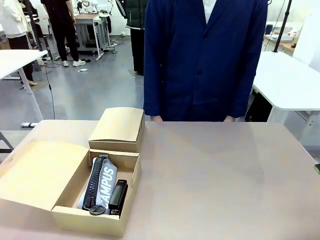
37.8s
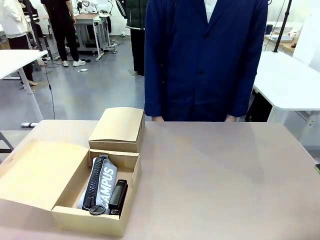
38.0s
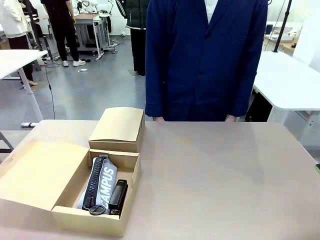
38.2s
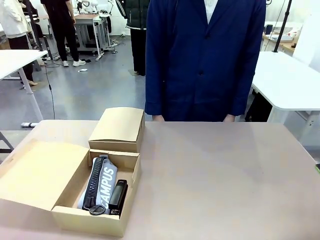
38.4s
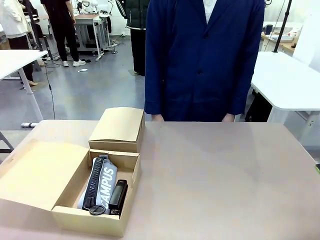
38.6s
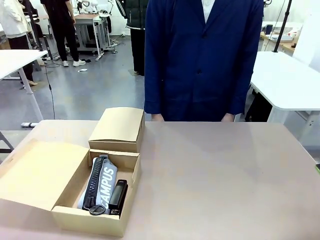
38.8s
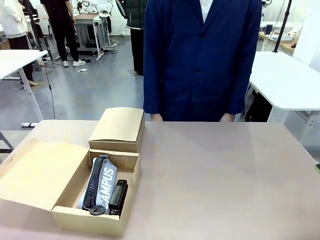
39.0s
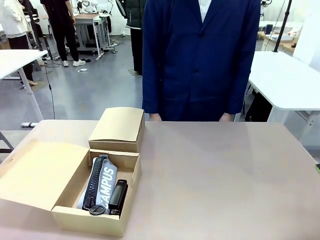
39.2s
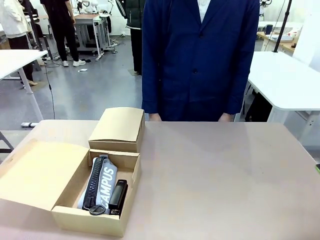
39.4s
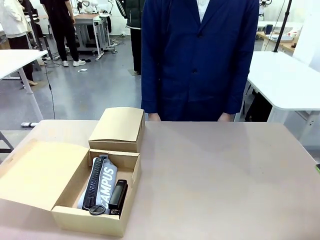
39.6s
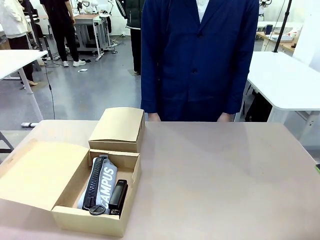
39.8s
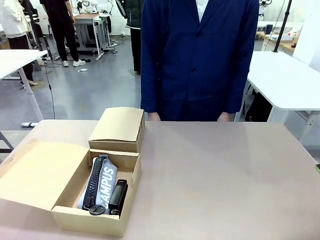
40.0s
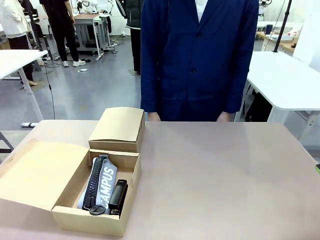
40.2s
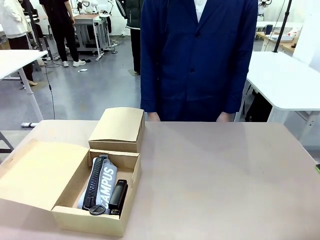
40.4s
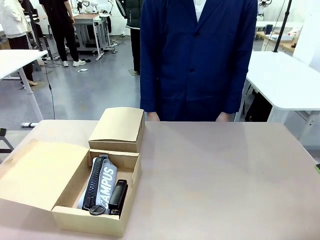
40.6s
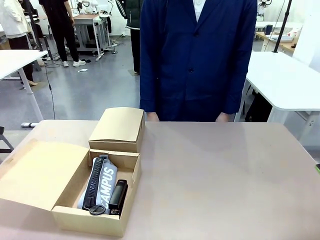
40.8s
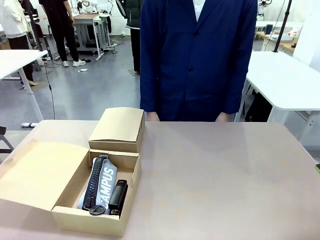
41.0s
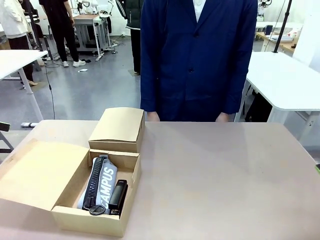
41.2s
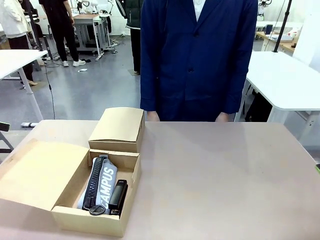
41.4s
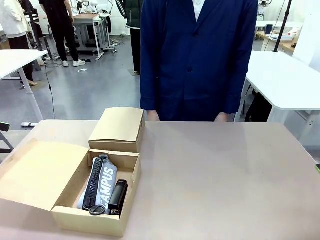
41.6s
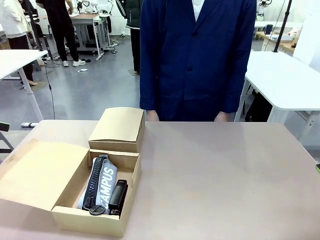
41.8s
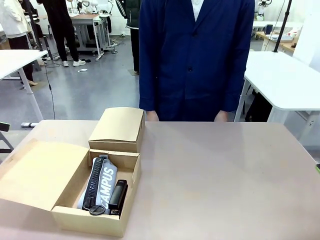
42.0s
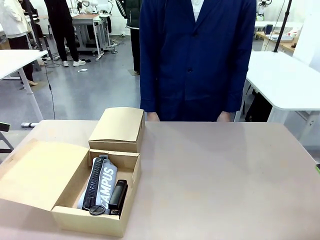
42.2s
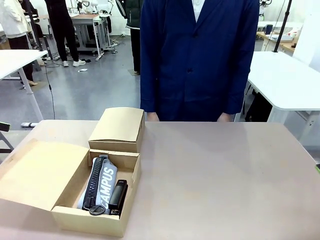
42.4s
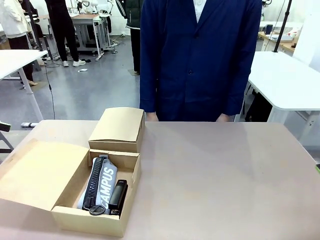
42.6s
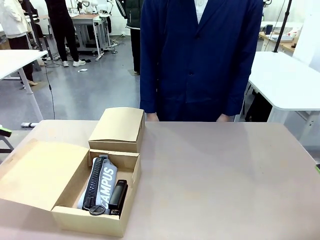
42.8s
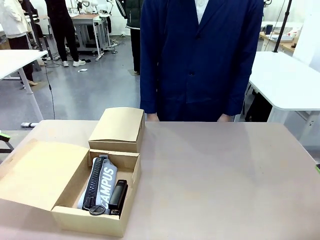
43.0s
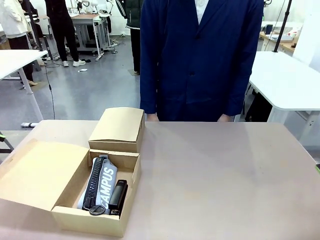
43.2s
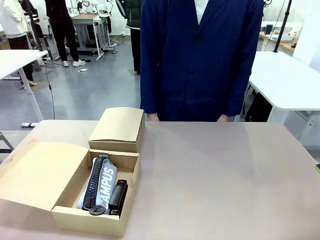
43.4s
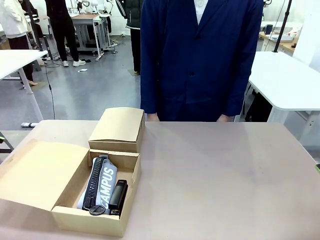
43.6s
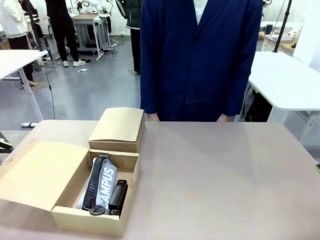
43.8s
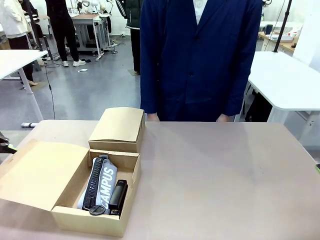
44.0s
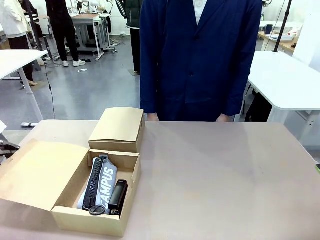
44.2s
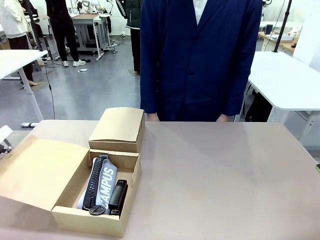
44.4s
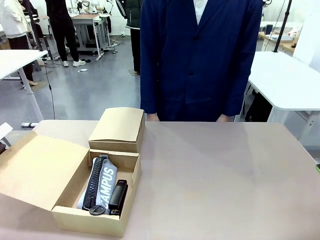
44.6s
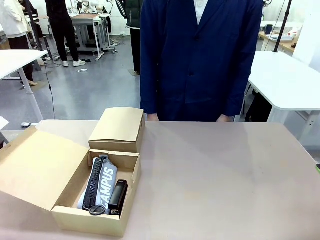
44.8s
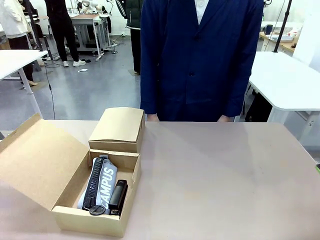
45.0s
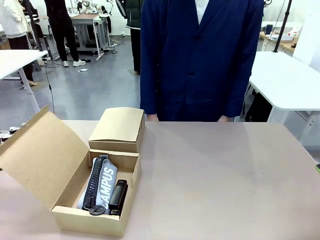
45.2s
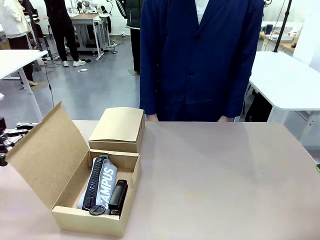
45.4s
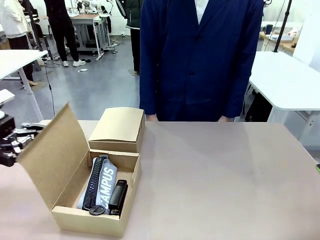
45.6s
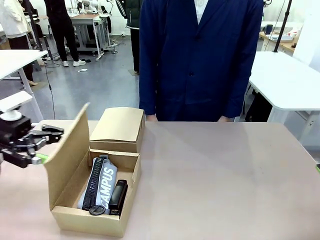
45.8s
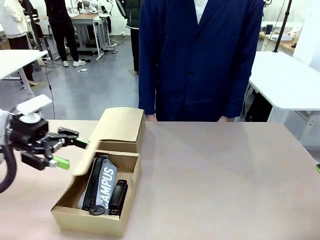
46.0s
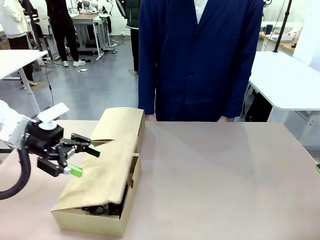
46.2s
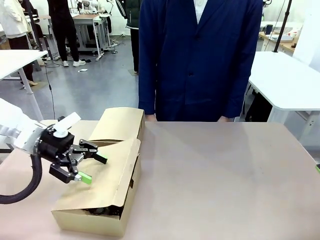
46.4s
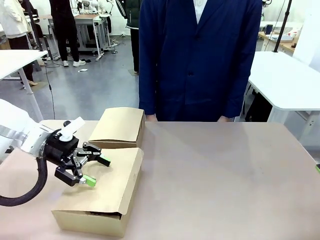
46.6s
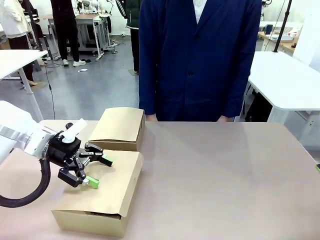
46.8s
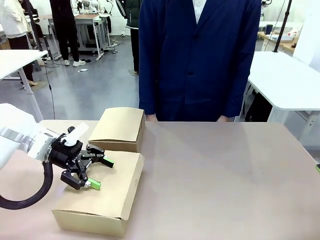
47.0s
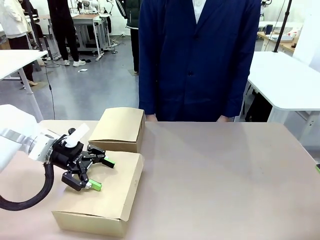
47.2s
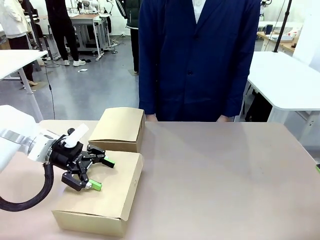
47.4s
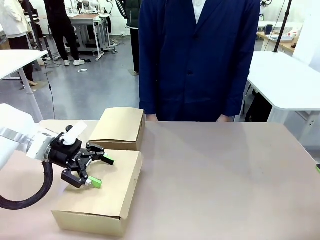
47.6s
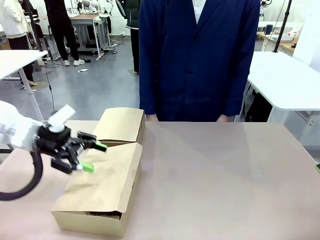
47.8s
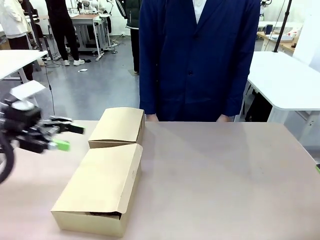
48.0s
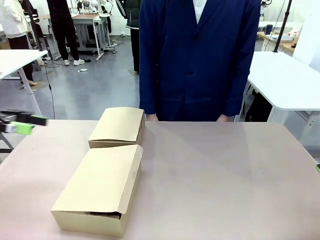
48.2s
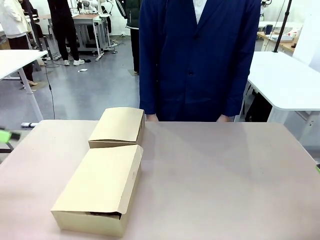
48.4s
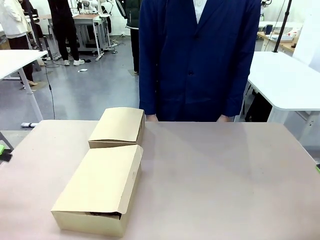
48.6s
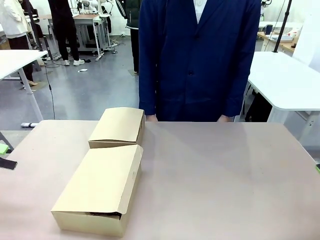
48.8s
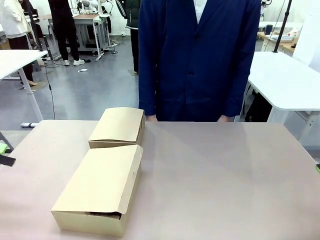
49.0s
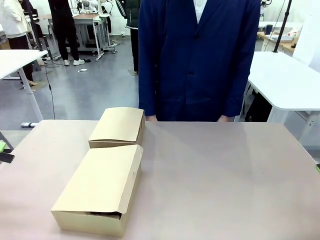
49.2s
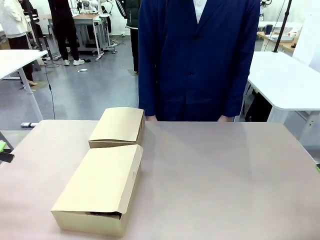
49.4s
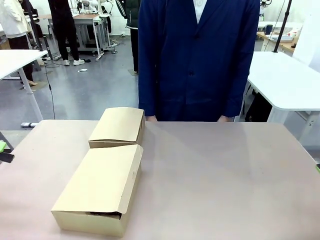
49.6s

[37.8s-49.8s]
Task: Place items inside the box.
Robot: Close the lid of the Mailer Box closest to the robot.
Person: Close the lid of the box facing the person.

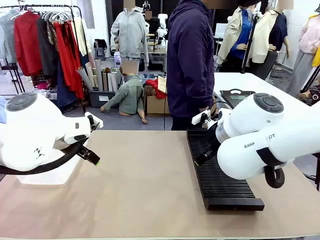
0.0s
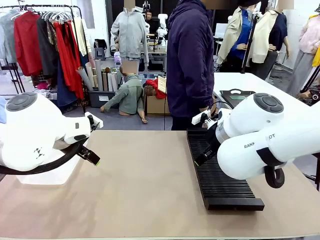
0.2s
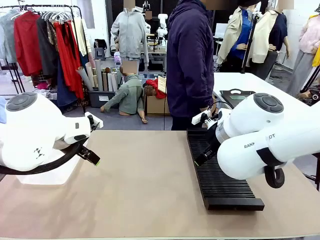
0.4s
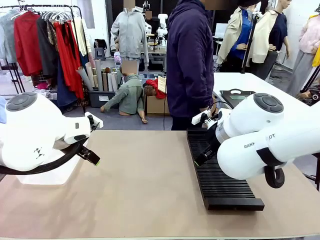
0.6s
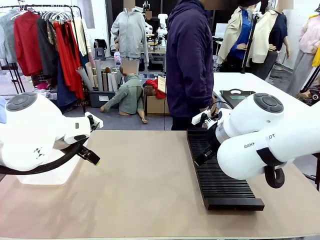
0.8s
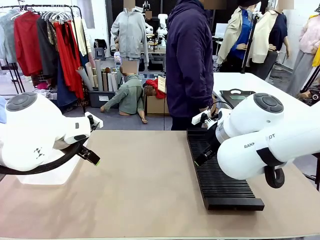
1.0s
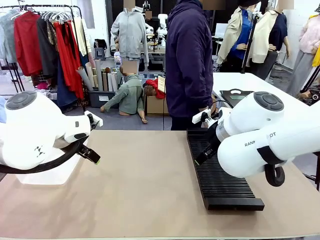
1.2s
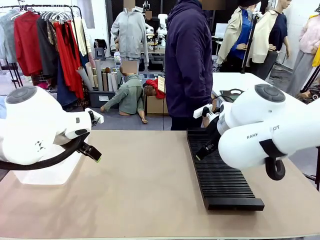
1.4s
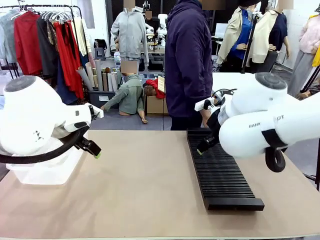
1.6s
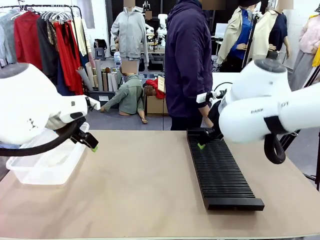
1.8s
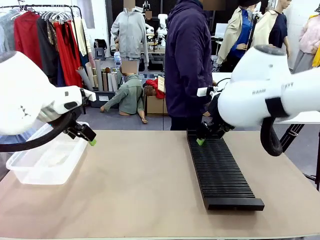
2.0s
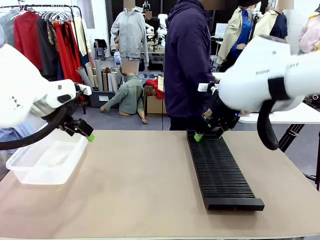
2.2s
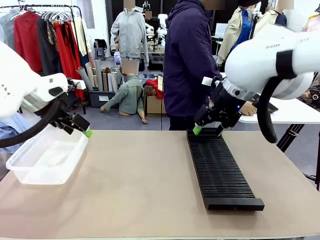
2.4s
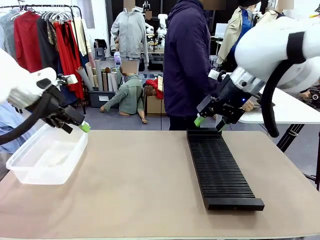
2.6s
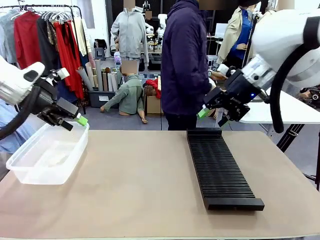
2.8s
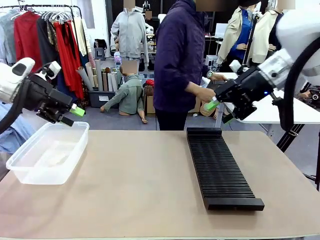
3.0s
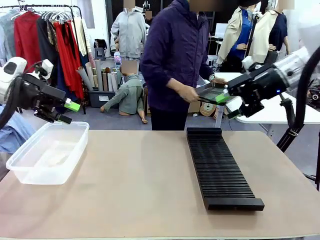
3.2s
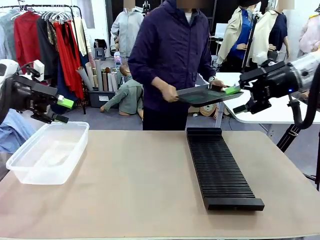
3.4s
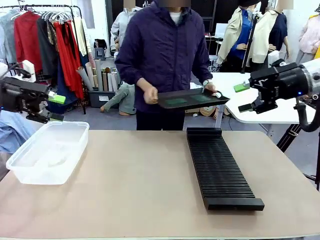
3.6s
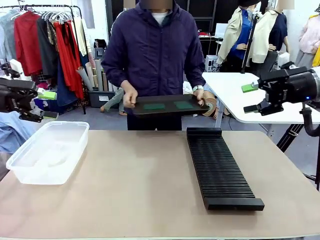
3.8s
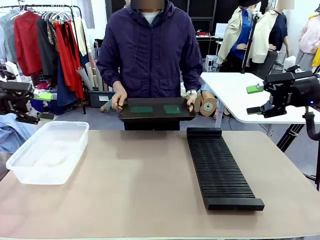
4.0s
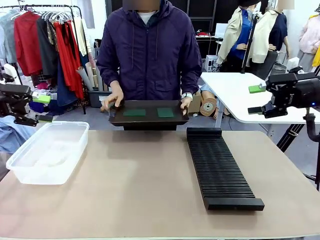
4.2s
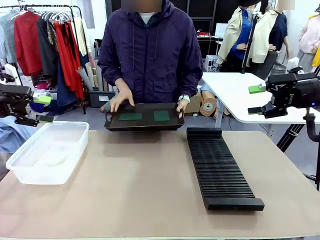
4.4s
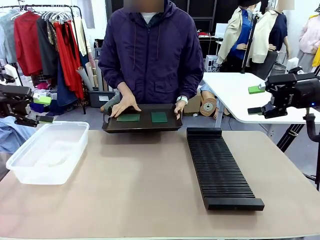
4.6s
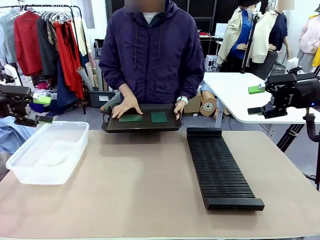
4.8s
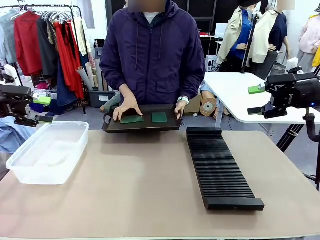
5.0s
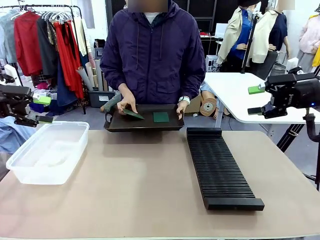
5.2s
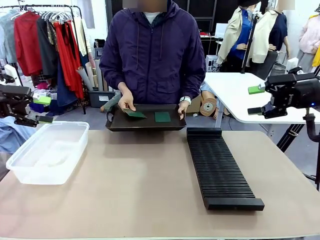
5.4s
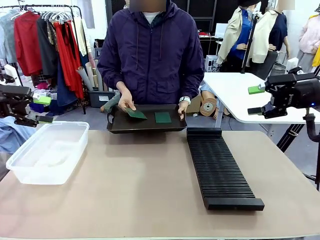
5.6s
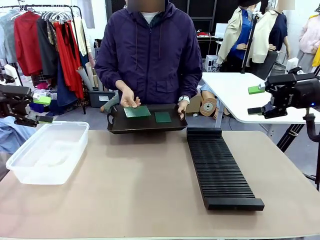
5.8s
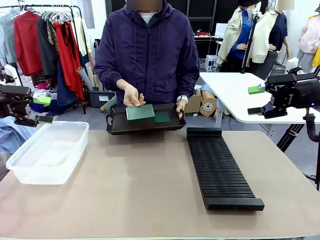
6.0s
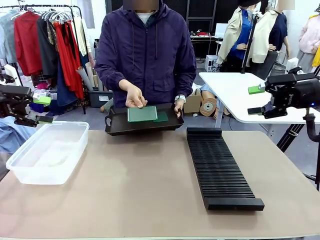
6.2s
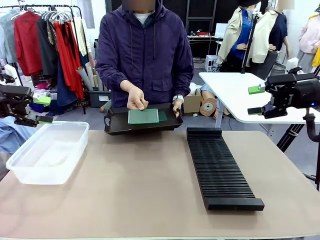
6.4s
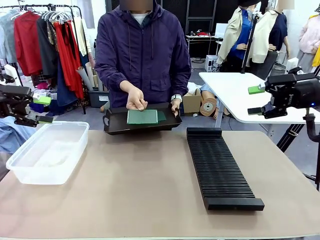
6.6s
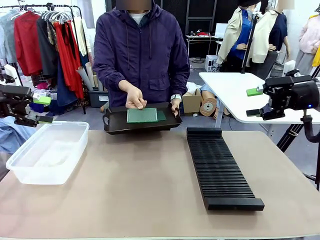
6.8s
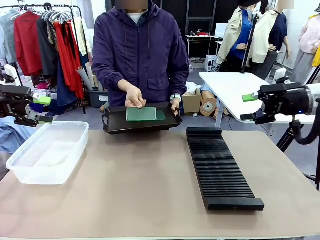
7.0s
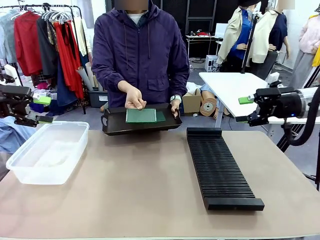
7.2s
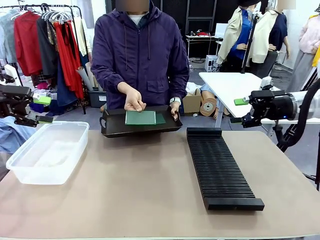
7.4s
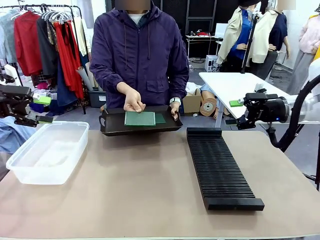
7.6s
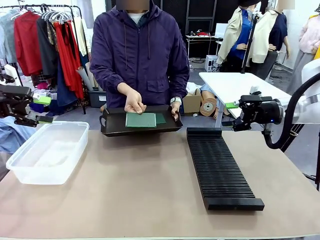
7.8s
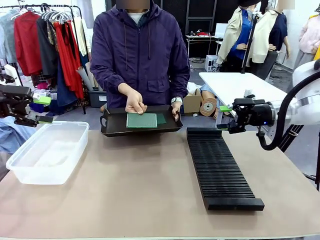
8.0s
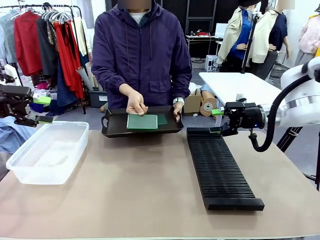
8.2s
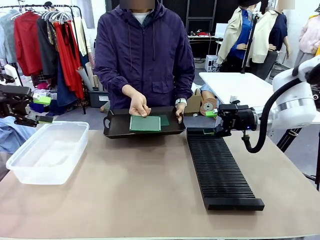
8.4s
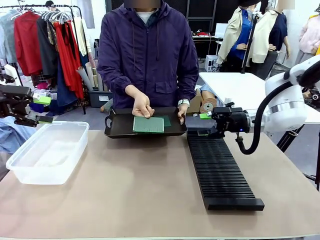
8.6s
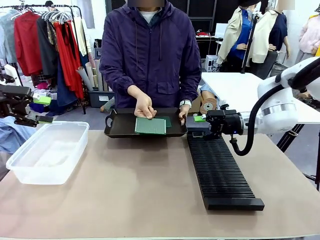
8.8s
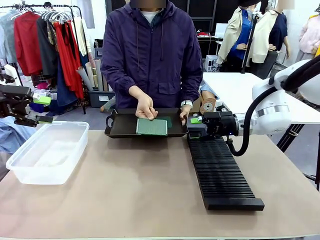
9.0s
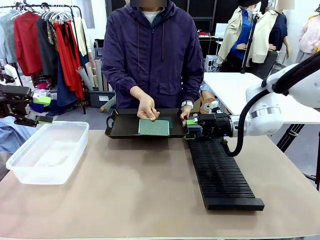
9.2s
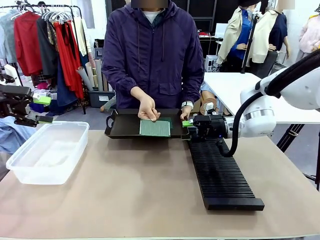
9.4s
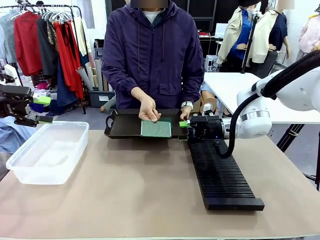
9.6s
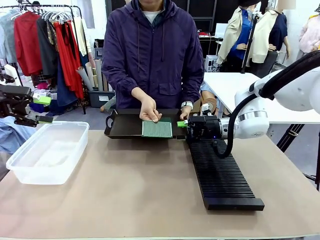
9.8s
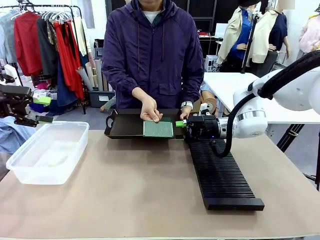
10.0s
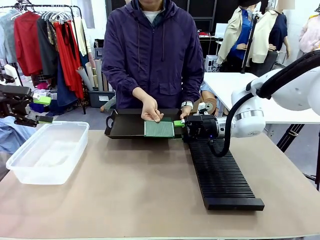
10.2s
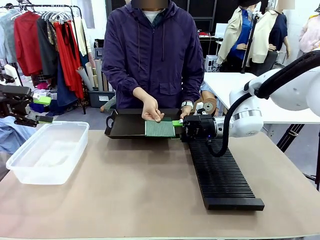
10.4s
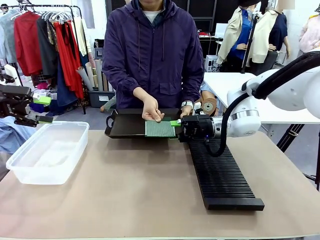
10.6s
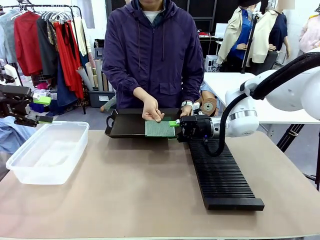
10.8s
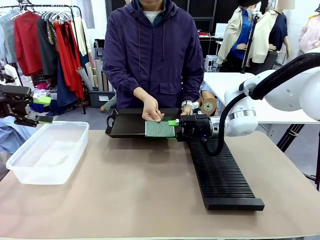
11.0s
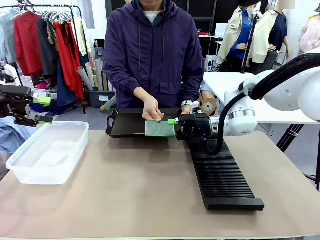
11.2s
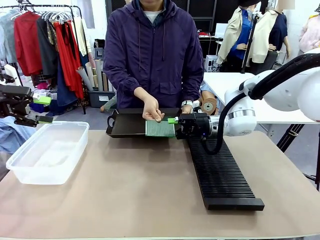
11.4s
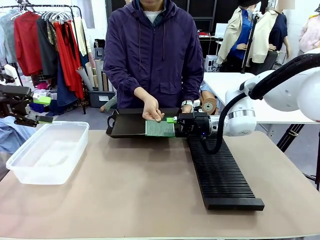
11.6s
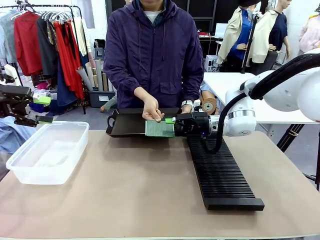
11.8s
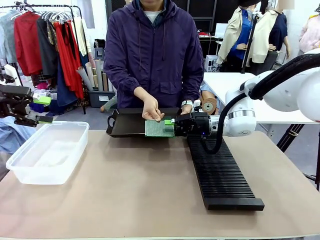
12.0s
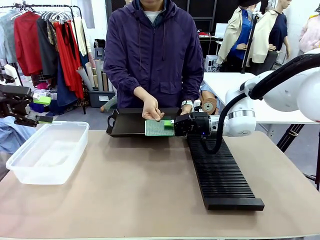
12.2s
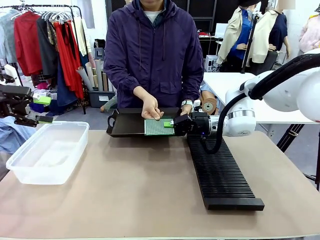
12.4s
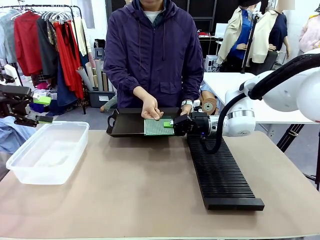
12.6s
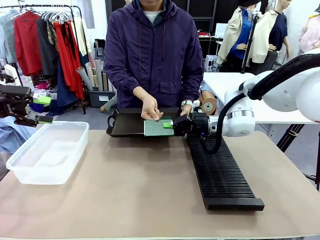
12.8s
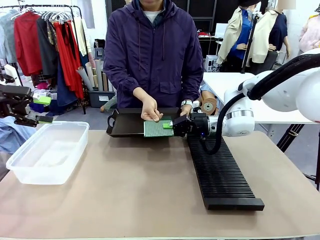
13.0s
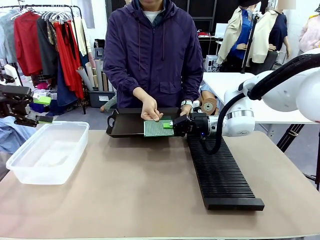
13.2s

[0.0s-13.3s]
Task: Sort PCBs into racks and boxes based on the side picked up.
Robot: Pick up the Blank PCB handed by the Human.
Person: Pick one PCB from the tray and present it to the robot. Release the PCB being held.
